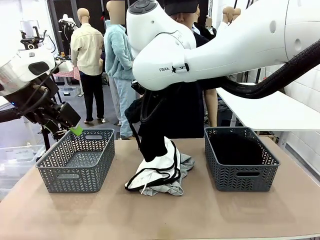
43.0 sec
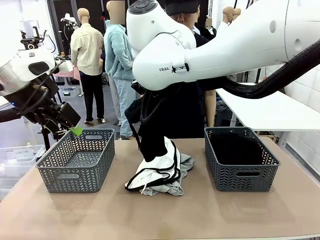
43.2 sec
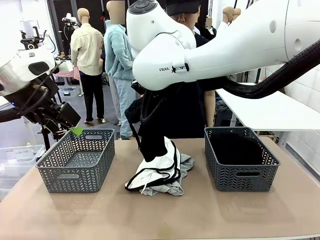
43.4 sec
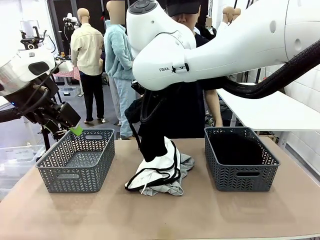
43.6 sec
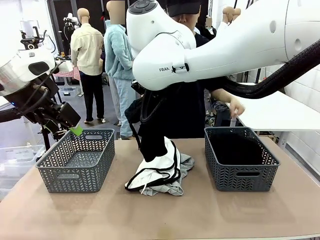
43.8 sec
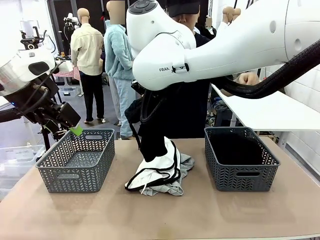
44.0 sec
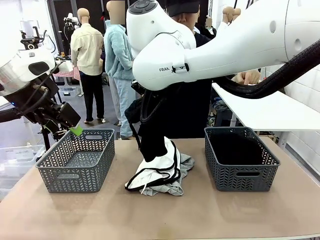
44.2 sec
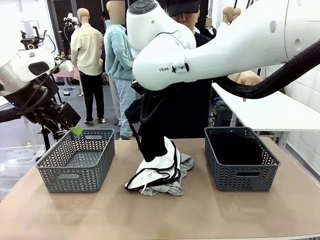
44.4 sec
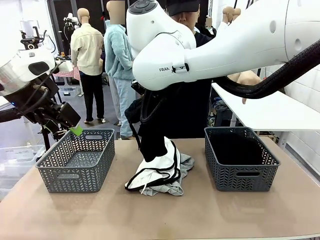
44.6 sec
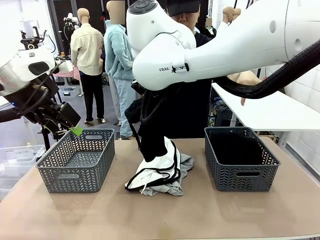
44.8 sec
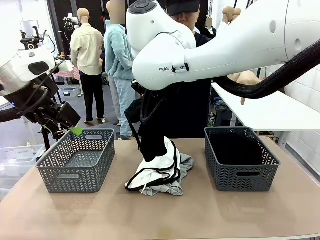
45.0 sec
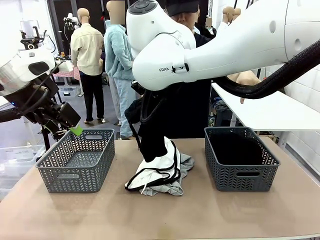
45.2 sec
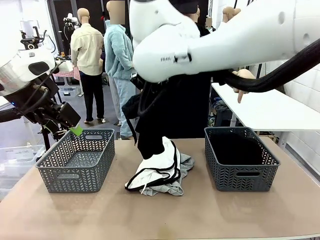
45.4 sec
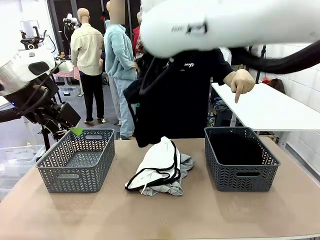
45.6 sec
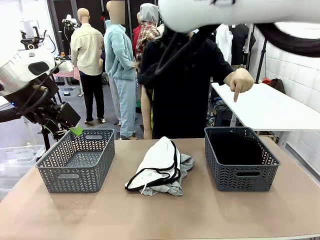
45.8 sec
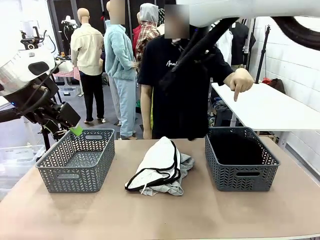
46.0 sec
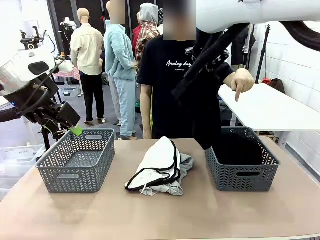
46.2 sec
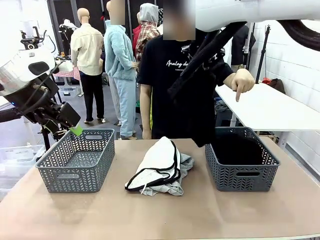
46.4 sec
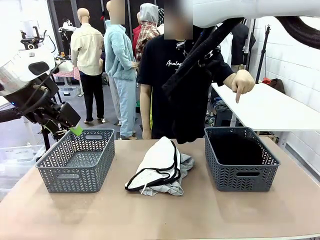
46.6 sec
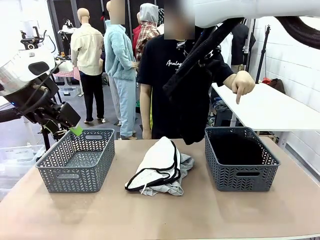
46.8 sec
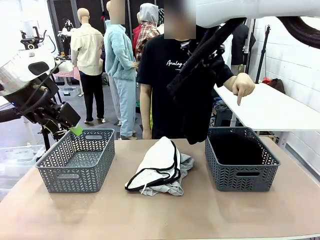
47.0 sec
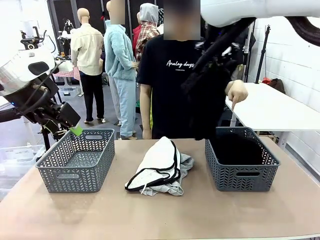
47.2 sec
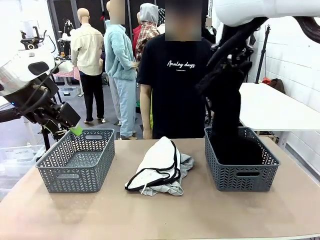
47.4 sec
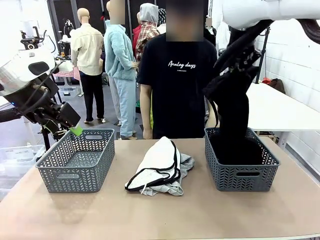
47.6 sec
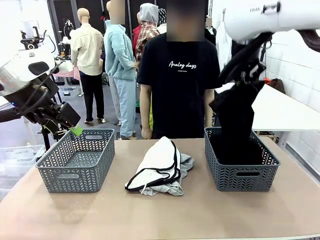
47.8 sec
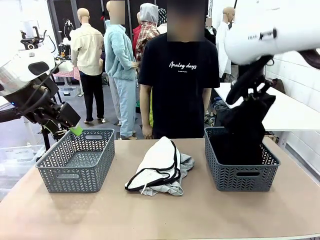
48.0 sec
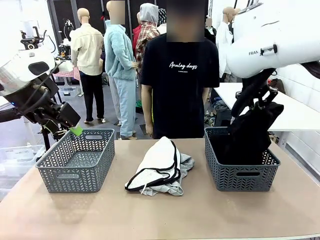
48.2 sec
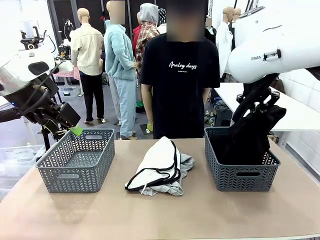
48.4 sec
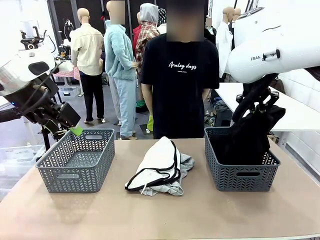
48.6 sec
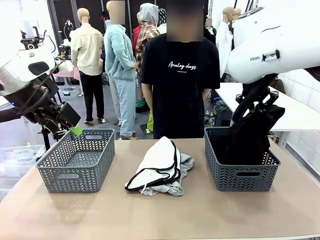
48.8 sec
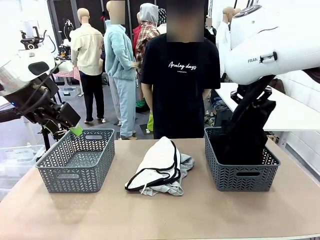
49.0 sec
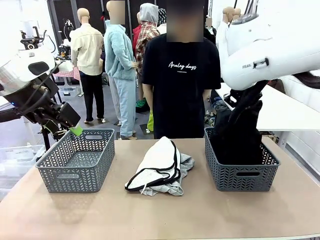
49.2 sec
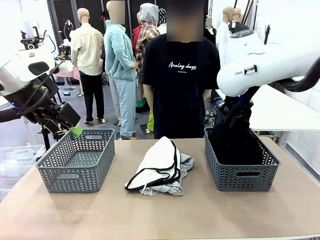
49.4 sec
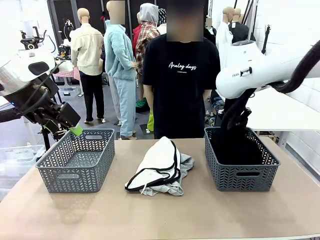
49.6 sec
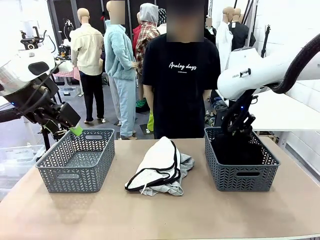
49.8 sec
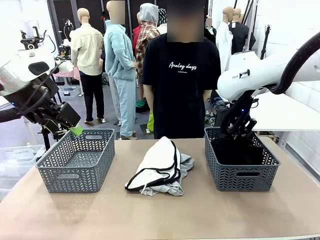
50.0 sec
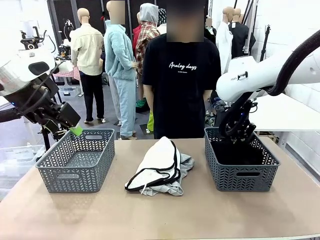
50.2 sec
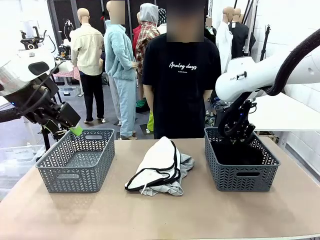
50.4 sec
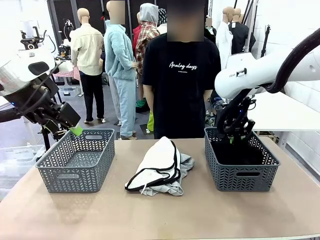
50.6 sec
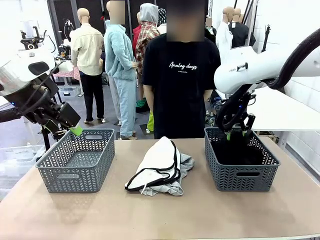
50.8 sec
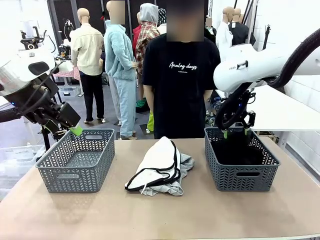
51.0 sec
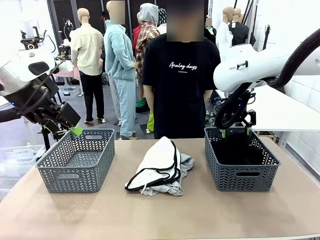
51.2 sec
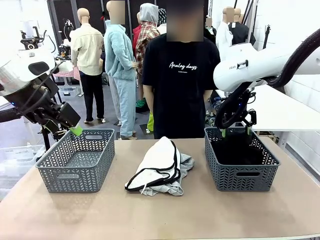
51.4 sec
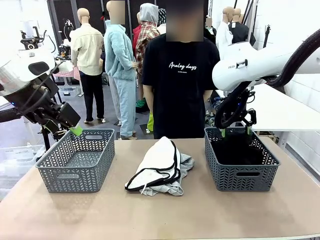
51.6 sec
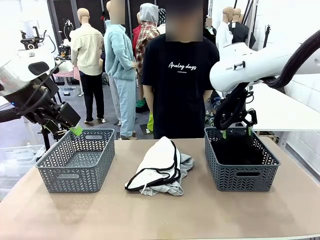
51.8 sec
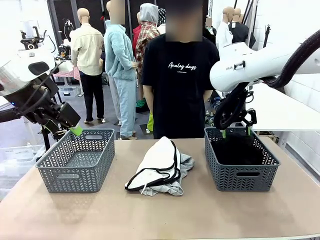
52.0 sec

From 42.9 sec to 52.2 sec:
Task: Sort the tops and bottoms.
Robot: Sort the clothes according to human instructions.

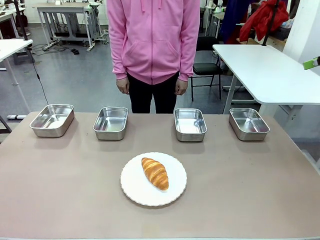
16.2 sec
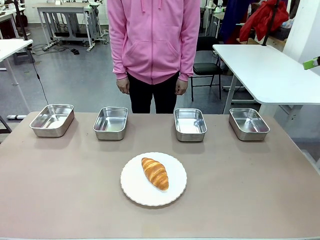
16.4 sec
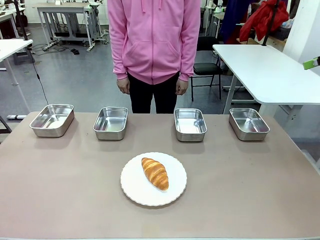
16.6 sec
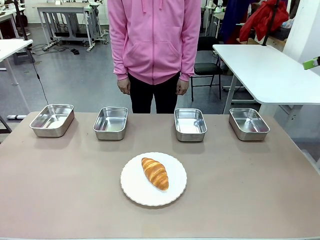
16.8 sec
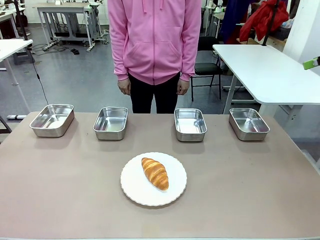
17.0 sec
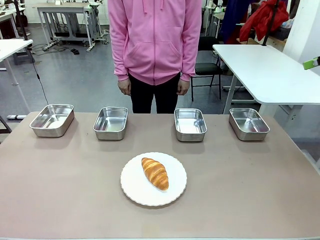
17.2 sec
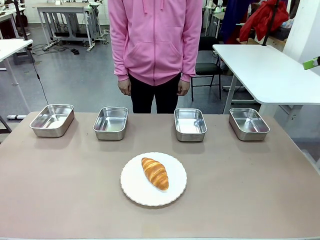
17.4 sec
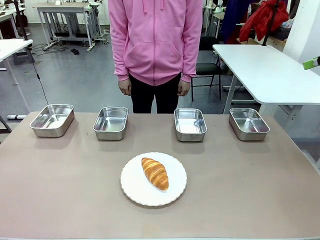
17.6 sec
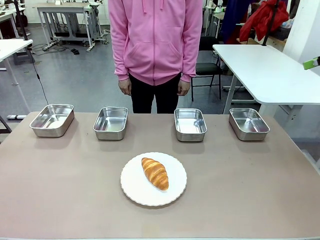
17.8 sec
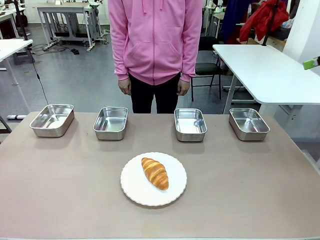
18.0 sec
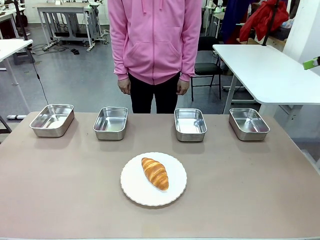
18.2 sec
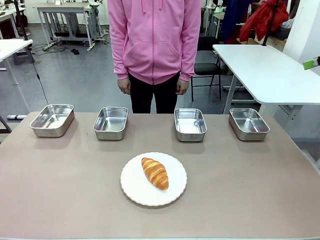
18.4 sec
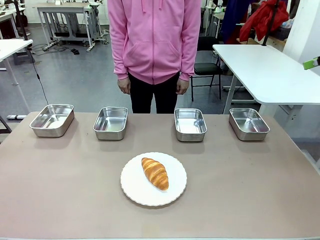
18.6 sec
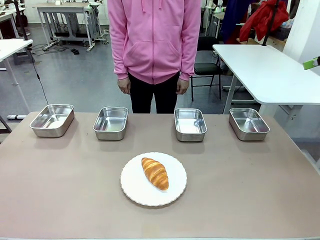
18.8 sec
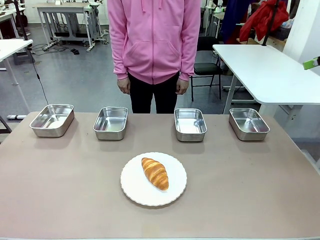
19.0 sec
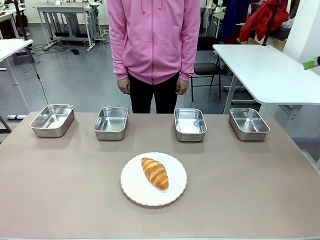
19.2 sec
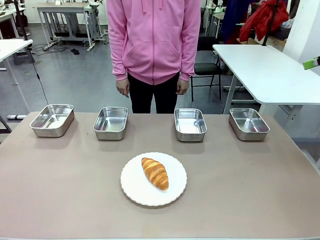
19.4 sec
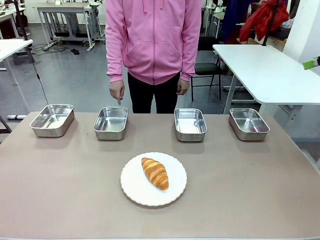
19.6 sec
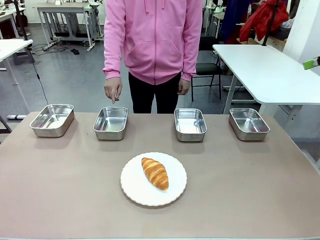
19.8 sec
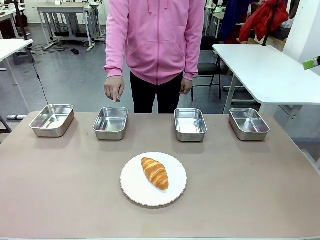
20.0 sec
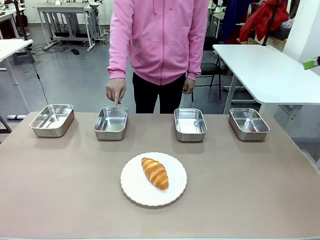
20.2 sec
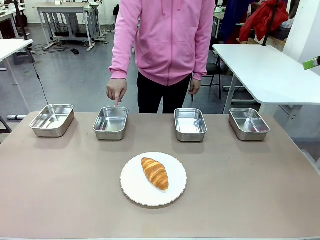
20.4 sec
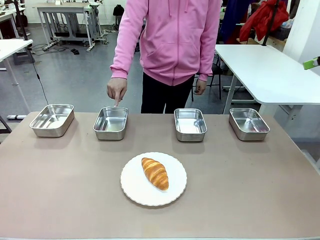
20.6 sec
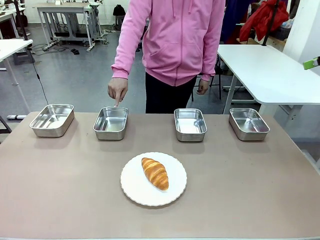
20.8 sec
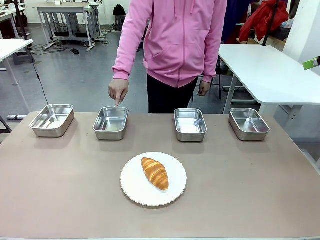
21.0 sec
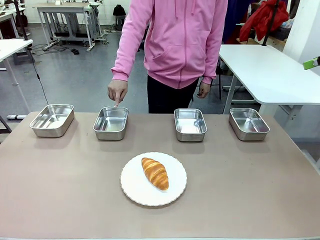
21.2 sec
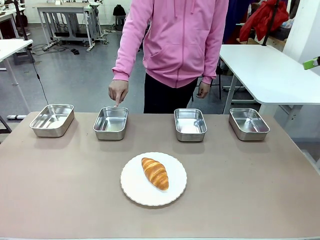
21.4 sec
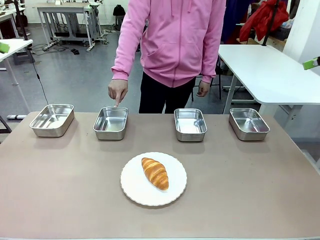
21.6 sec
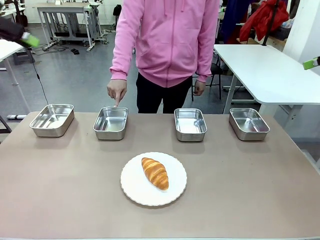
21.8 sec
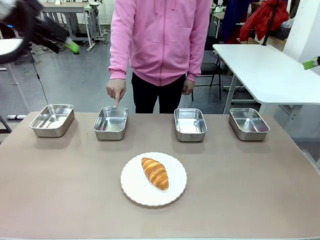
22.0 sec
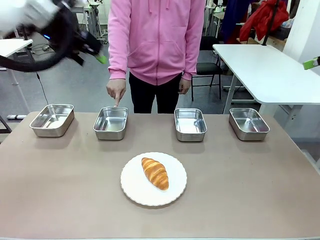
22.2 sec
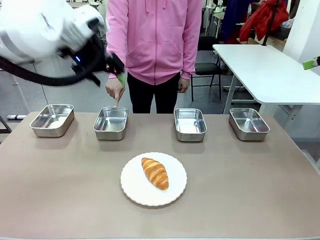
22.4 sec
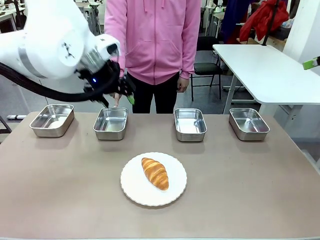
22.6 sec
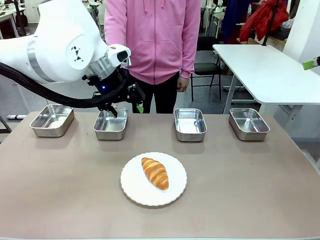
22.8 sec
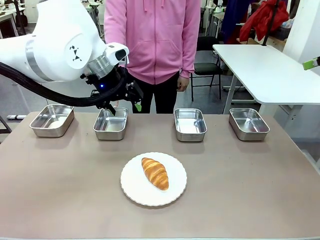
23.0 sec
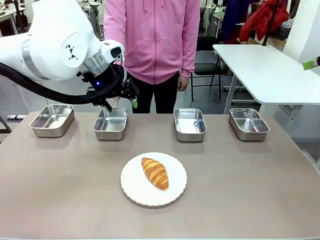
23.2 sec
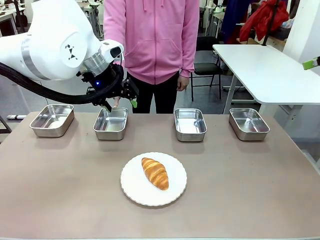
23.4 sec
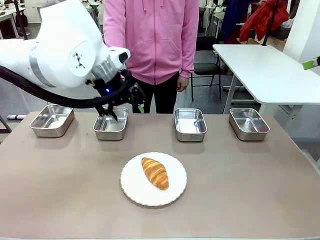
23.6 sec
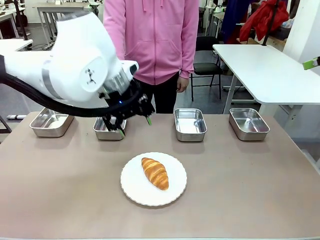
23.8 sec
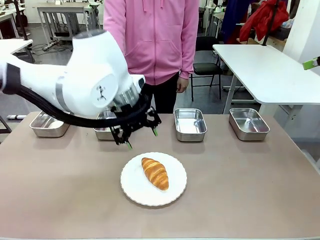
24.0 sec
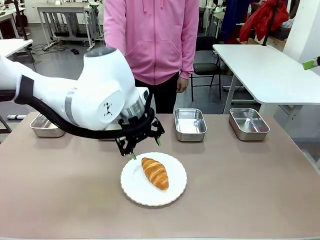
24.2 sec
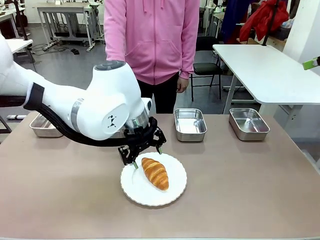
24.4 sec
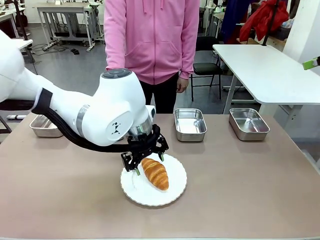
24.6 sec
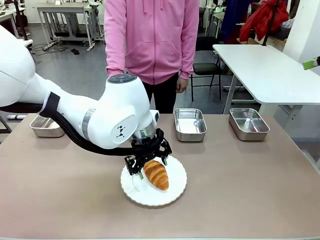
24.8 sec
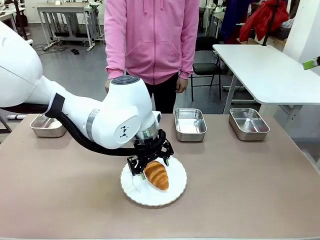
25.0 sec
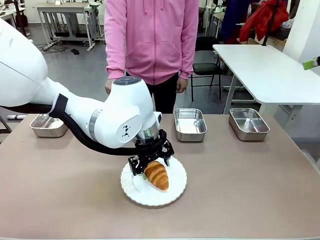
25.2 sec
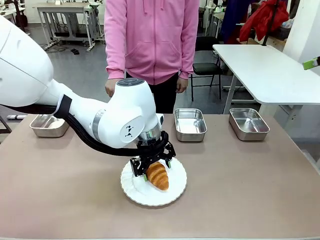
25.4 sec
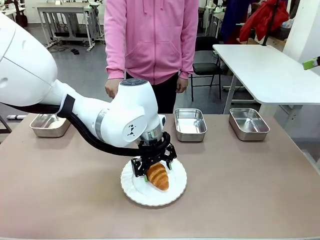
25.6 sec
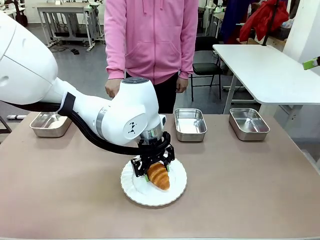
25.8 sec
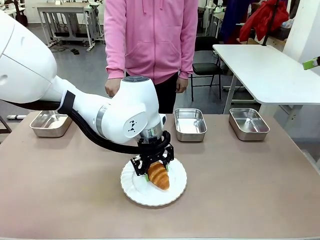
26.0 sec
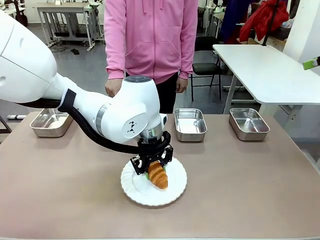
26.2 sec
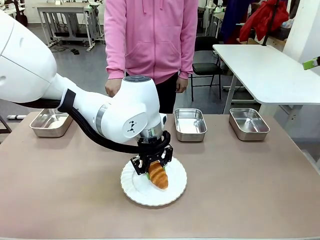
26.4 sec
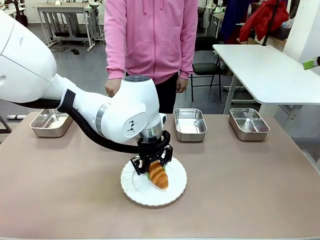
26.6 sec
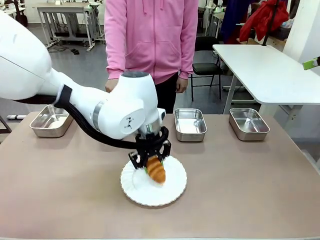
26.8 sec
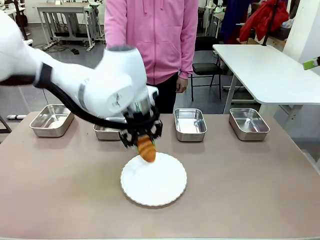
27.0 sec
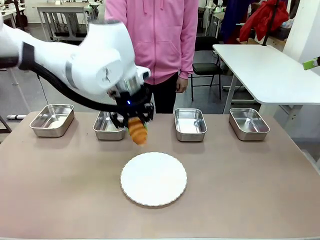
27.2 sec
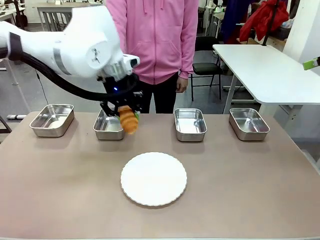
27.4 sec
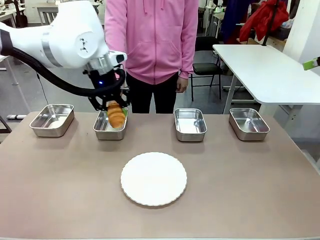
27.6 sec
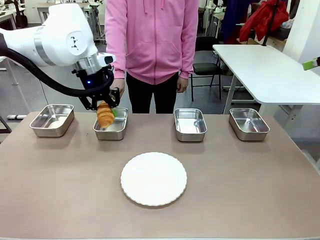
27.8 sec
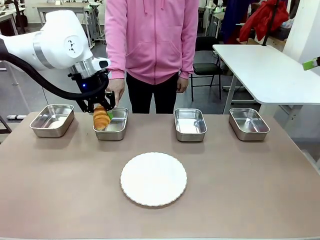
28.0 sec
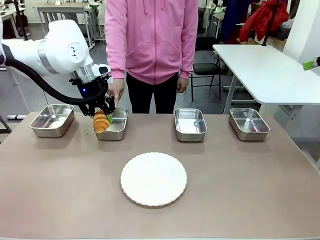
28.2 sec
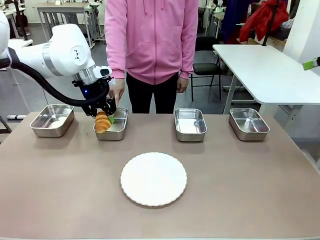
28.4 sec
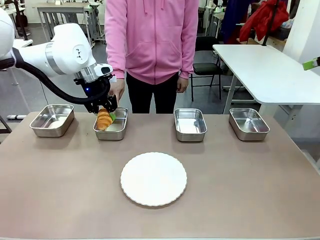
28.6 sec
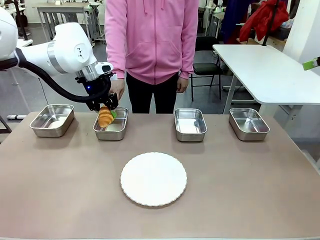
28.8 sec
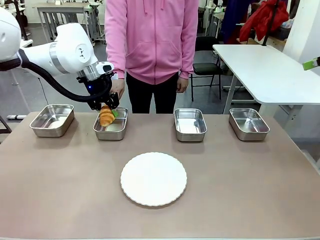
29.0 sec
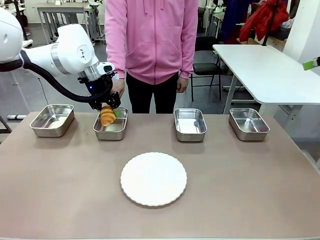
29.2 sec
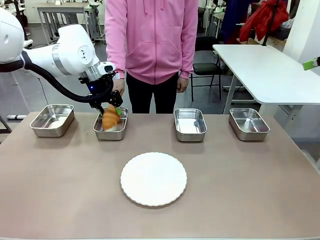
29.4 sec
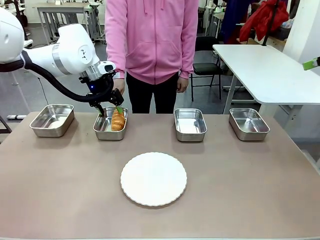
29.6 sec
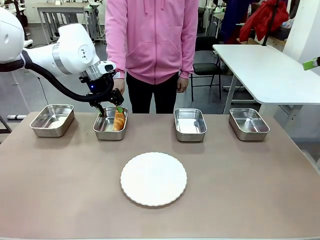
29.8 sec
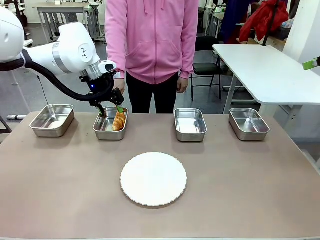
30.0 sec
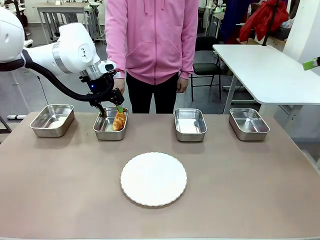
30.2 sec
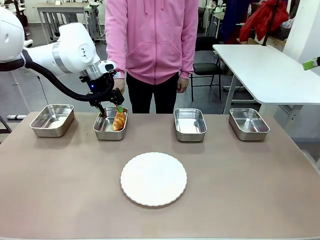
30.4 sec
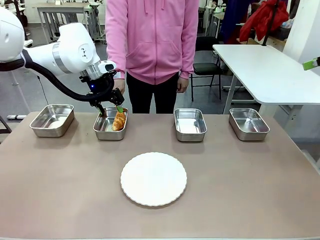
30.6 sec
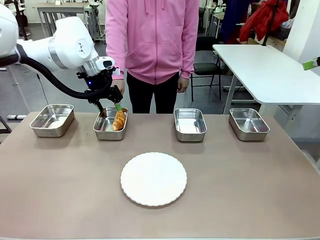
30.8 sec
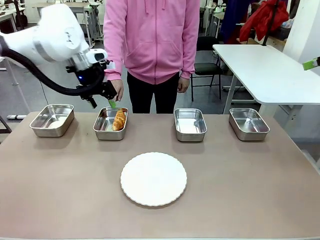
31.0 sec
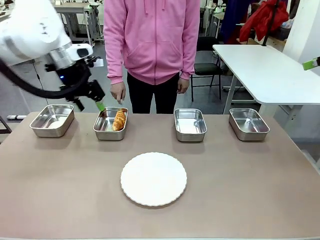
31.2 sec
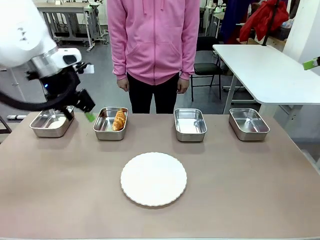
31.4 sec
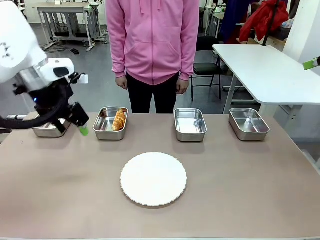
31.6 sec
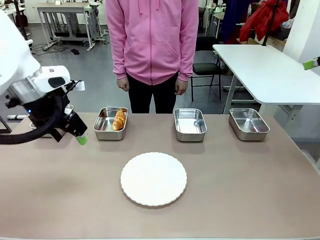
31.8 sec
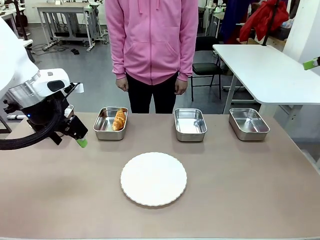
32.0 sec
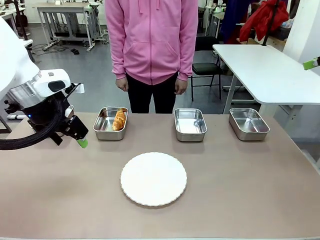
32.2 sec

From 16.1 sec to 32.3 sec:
Task: Place the bread in the container.
Robot: Place the Butter Roll into the Airtight Container indicated by the human.
Person: A person randomly selects and points to an Airtight Container.
